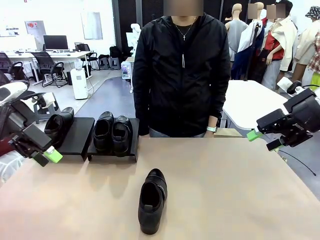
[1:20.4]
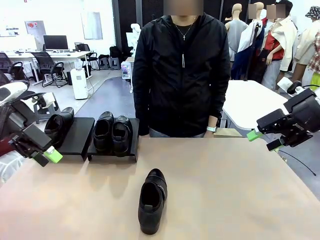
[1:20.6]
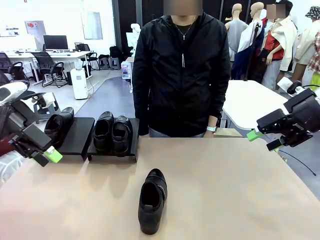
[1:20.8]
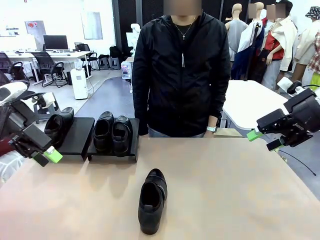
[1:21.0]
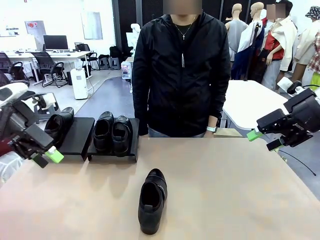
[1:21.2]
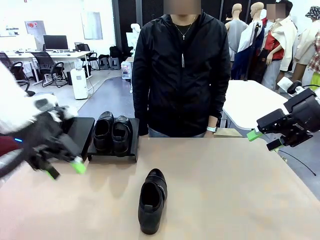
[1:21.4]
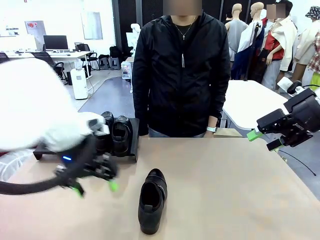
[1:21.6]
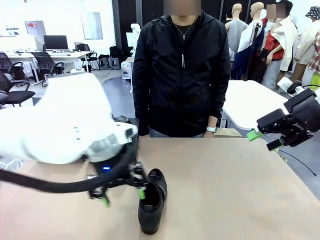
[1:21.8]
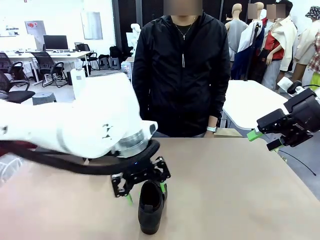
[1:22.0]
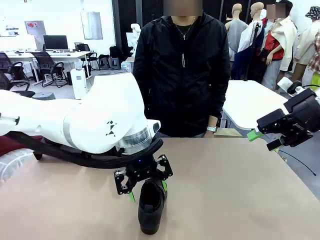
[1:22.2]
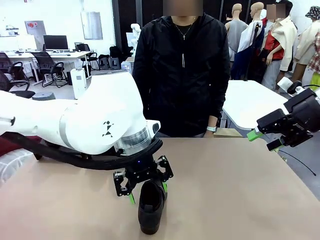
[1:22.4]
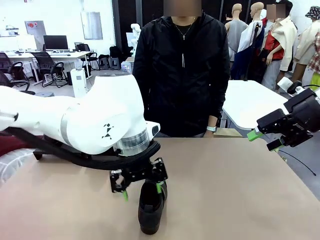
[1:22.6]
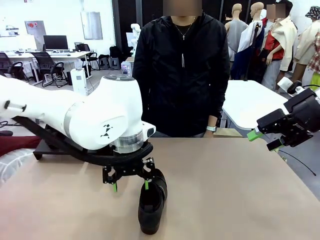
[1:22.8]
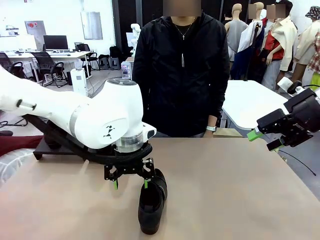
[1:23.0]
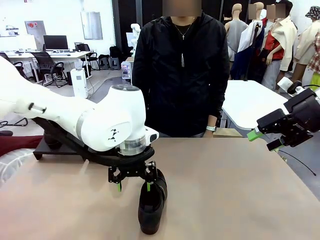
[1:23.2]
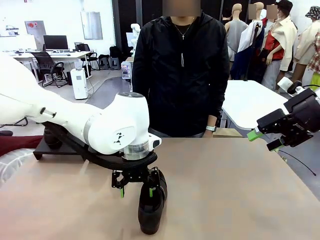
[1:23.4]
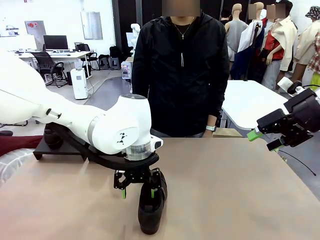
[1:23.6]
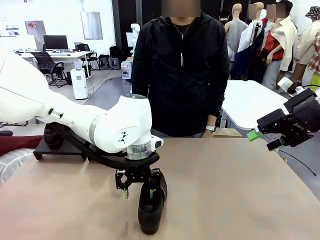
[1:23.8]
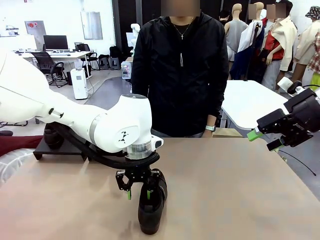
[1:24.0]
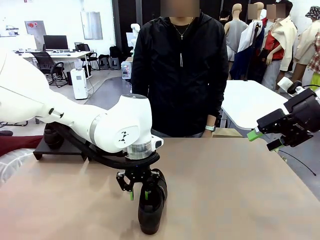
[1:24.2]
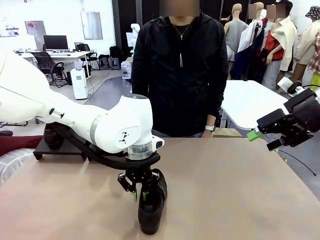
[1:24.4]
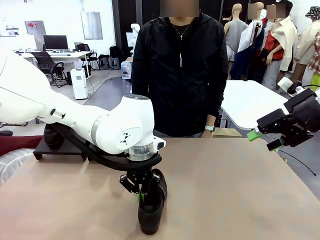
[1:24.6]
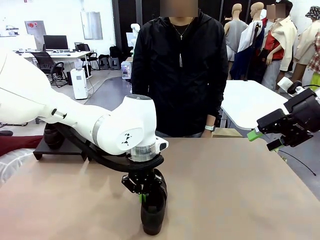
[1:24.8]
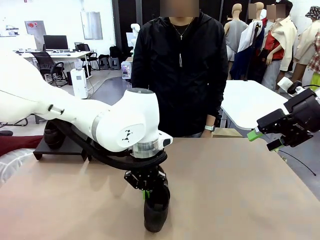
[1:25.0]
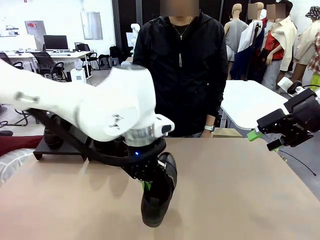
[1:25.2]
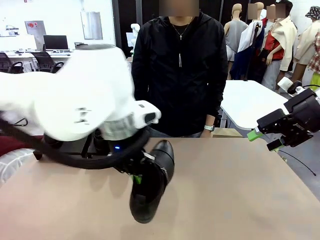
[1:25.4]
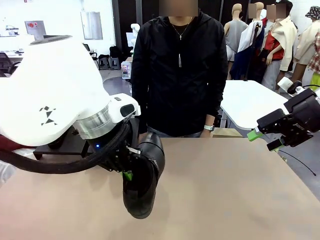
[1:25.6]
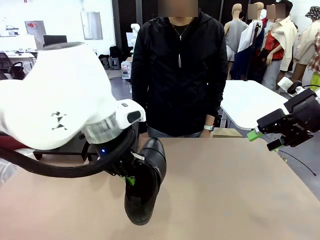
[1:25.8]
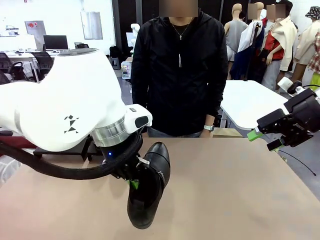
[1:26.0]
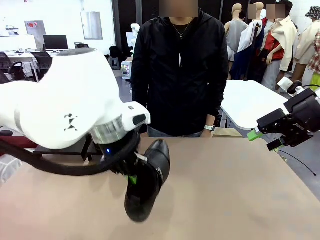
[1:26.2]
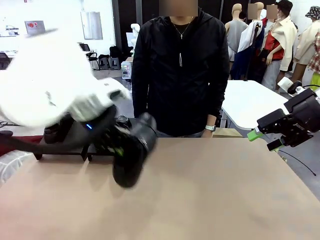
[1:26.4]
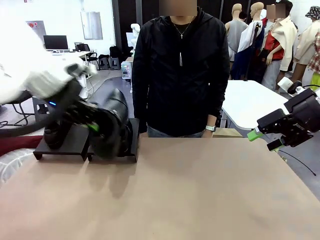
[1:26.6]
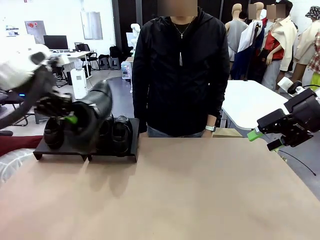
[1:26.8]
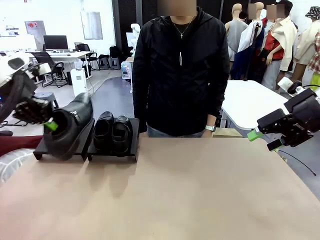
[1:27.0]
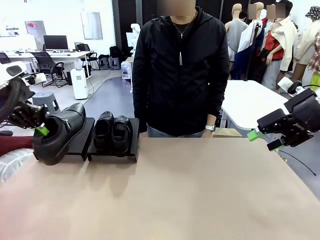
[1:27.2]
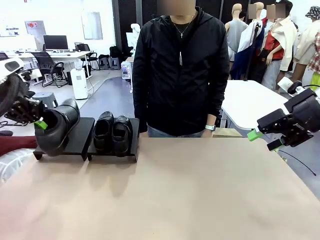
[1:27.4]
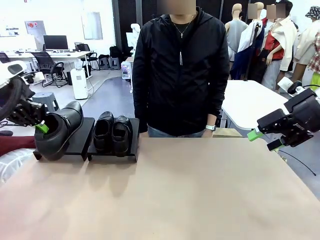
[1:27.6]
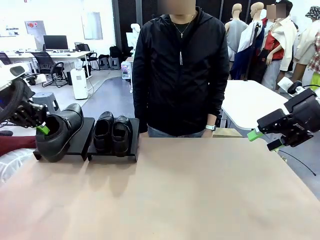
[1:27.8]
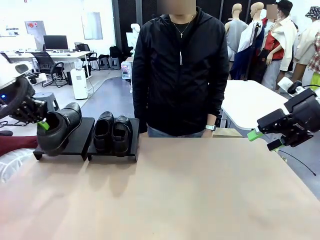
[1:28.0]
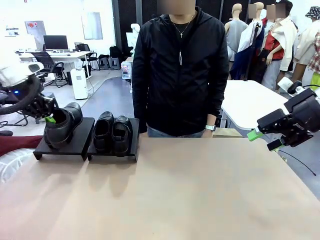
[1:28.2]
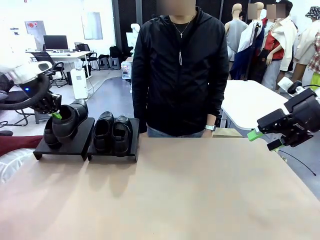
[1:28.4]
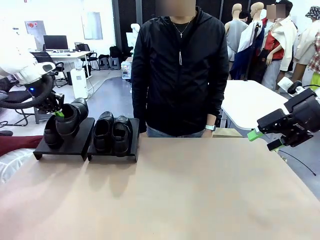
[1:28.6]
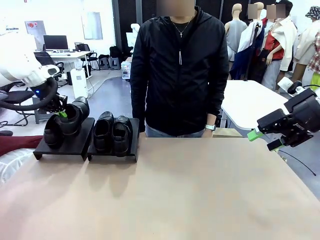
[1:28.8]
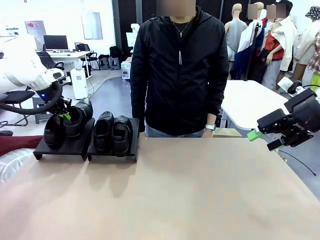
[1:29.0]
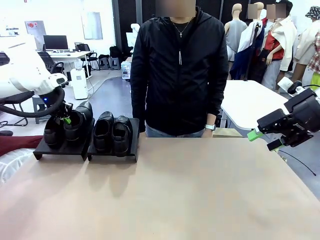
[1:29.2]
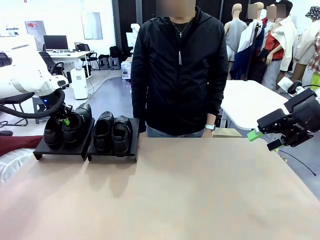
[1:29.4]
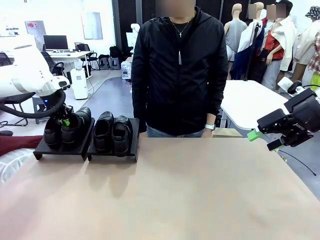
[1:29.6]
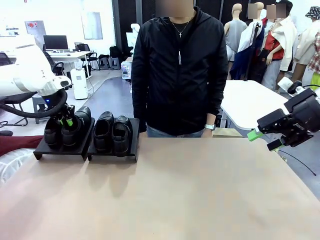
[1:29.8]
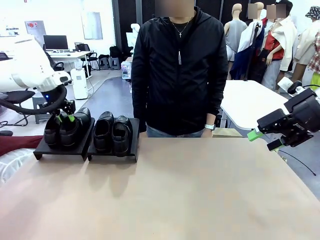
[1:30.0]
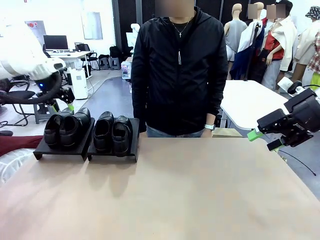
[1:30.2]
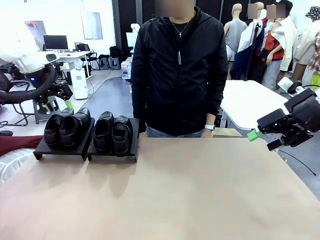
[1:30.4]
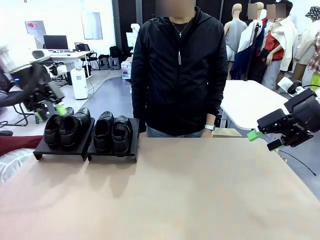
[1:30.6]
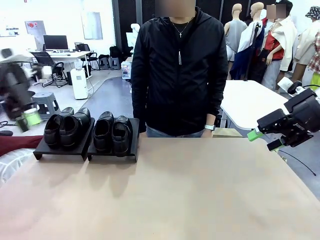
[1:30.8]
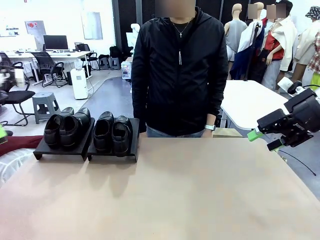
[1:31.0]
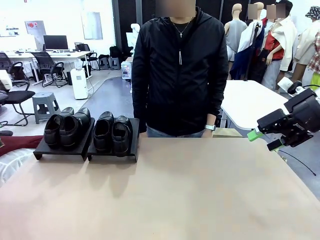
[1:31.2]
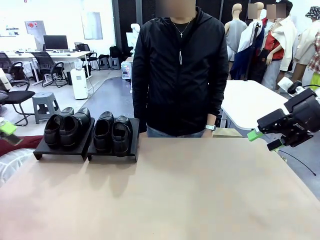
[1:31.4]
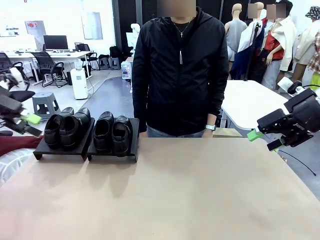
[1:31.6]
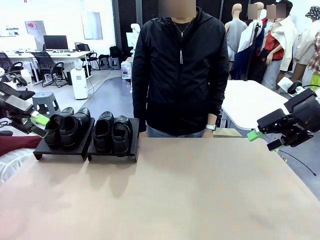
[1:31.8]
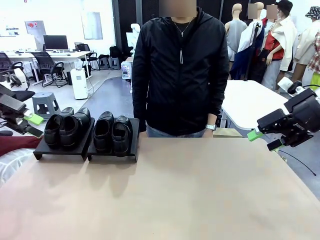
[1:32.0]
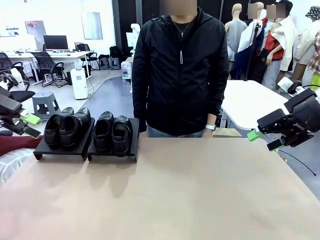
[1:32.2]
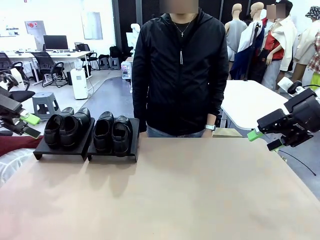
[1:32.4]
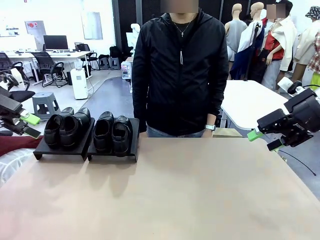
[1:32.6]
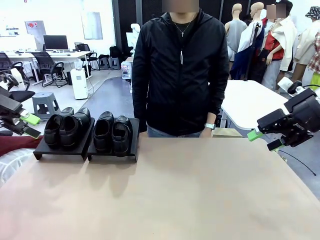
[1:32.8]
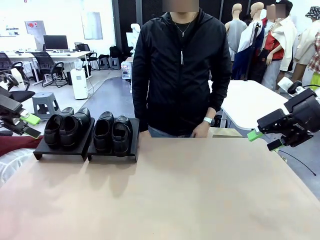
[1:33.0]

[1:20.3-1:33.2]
Task: Organize the shoes by placing them on the stand.
Robot: Place the Shoe from the middle of the table onto the Shoes Stand.

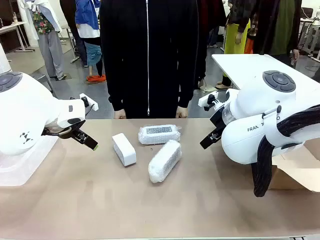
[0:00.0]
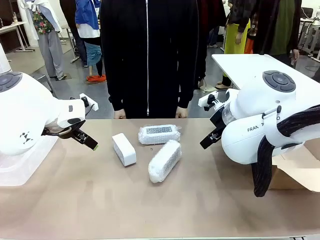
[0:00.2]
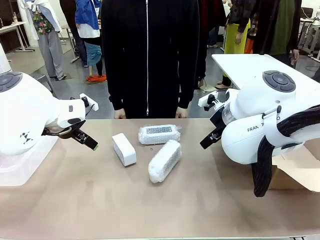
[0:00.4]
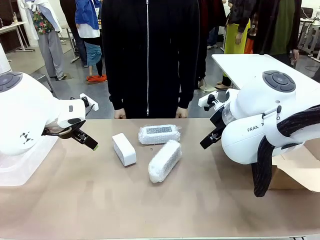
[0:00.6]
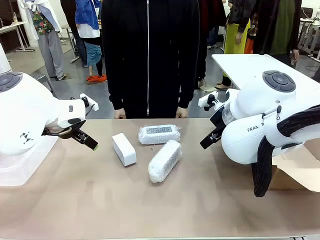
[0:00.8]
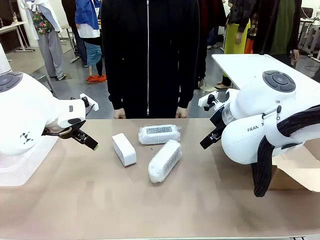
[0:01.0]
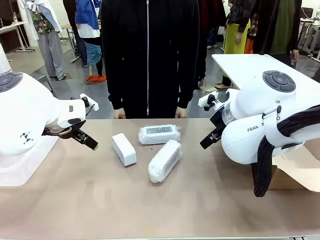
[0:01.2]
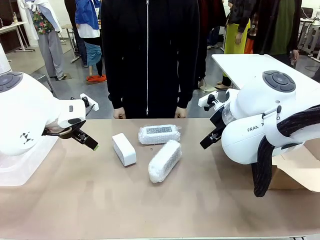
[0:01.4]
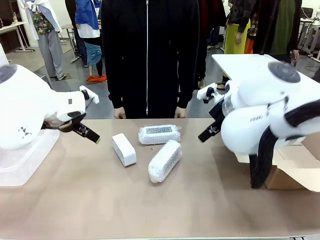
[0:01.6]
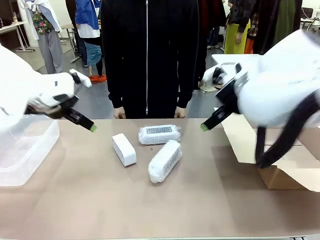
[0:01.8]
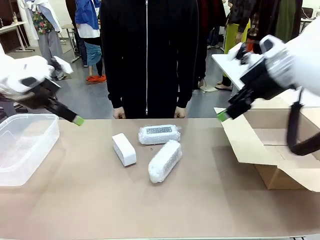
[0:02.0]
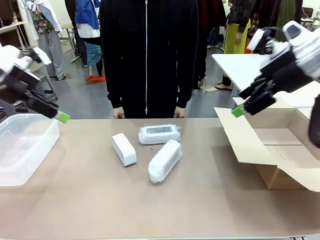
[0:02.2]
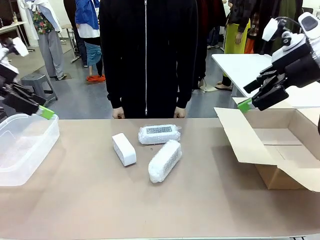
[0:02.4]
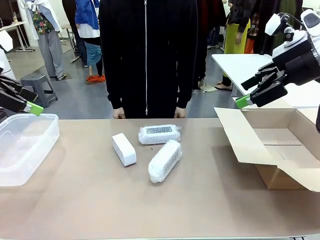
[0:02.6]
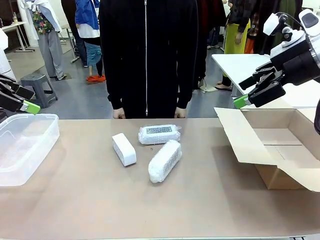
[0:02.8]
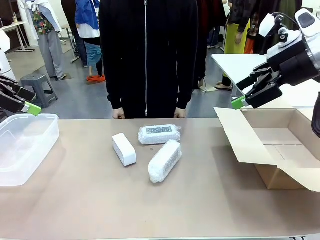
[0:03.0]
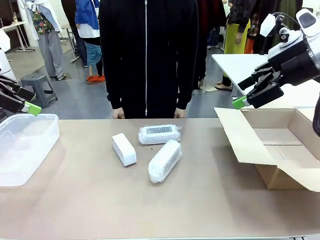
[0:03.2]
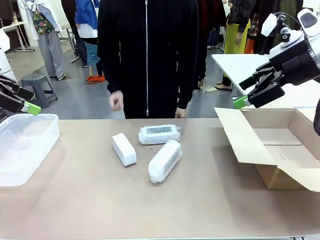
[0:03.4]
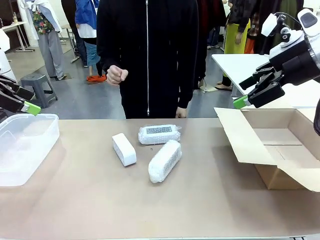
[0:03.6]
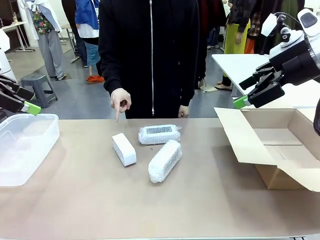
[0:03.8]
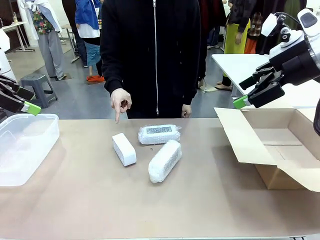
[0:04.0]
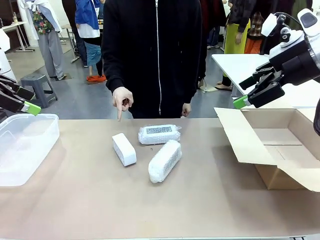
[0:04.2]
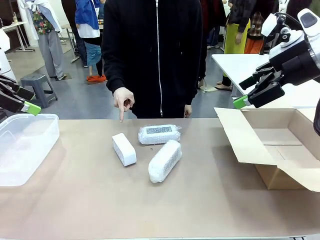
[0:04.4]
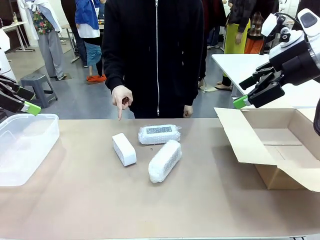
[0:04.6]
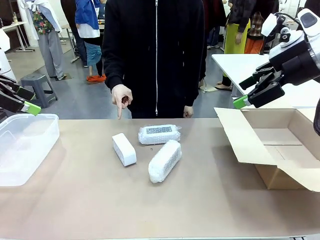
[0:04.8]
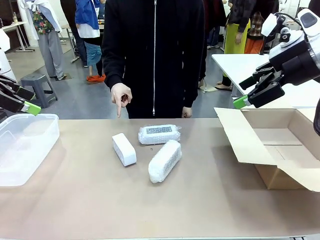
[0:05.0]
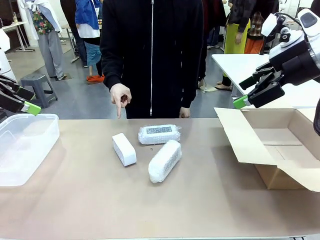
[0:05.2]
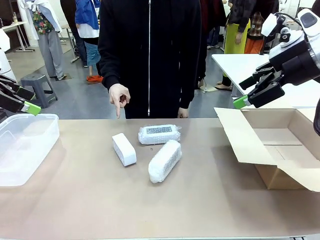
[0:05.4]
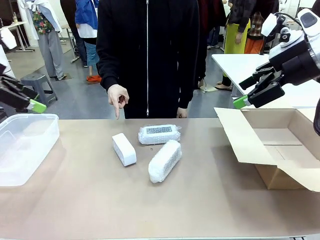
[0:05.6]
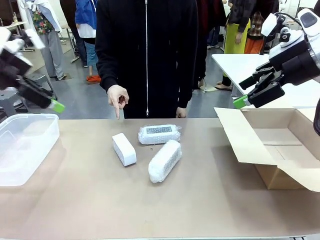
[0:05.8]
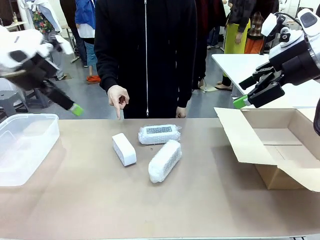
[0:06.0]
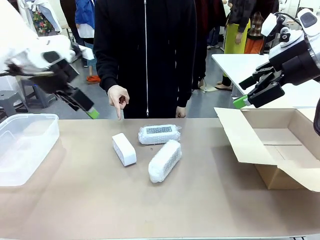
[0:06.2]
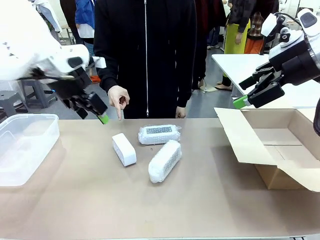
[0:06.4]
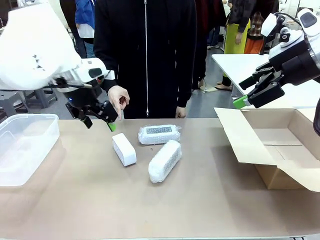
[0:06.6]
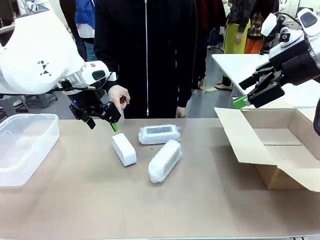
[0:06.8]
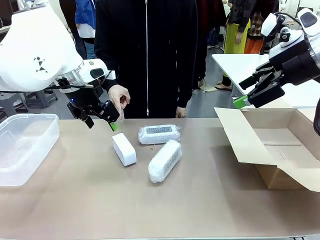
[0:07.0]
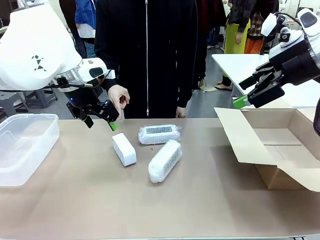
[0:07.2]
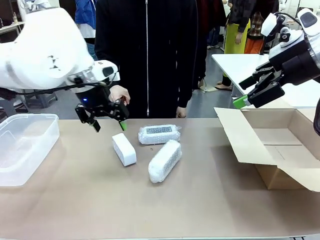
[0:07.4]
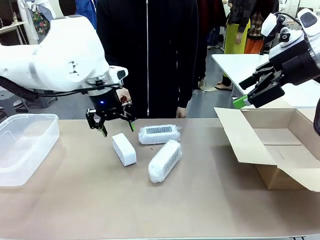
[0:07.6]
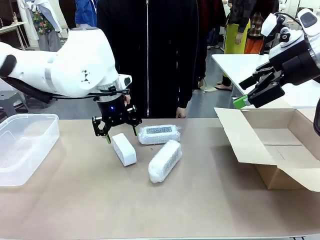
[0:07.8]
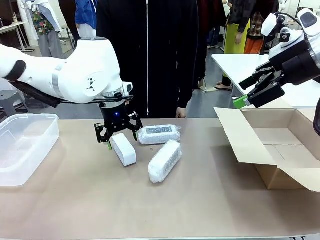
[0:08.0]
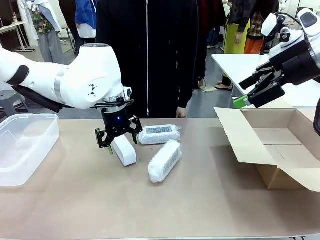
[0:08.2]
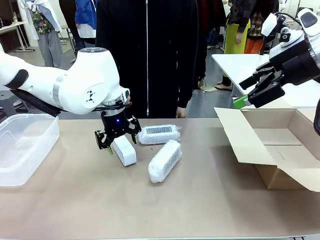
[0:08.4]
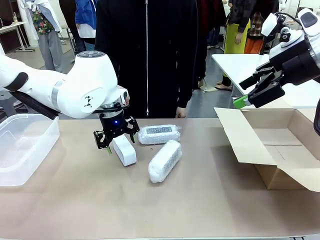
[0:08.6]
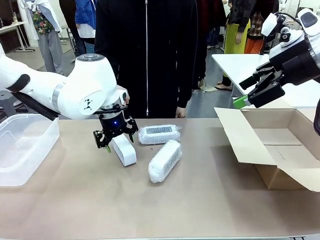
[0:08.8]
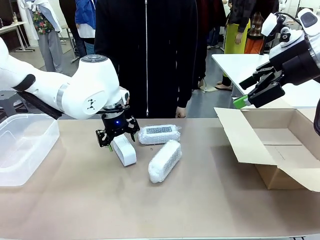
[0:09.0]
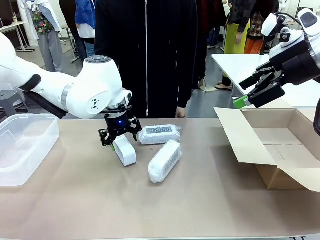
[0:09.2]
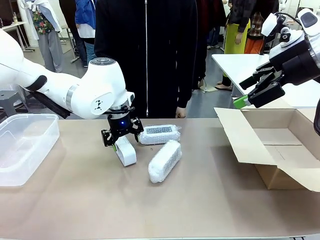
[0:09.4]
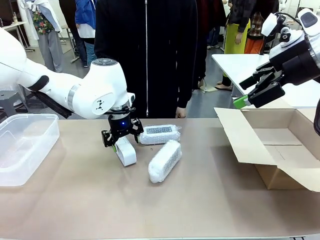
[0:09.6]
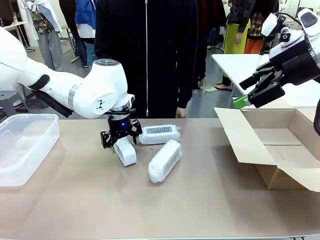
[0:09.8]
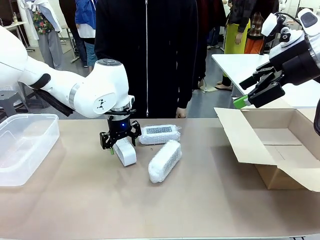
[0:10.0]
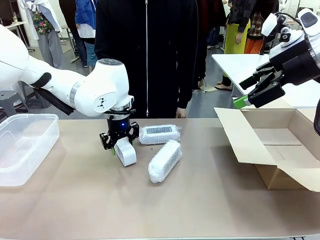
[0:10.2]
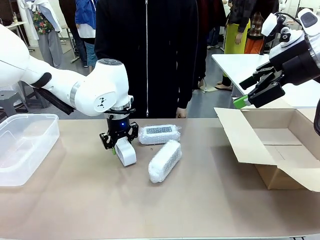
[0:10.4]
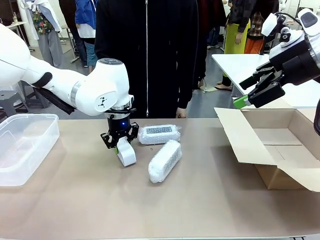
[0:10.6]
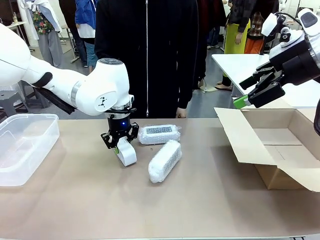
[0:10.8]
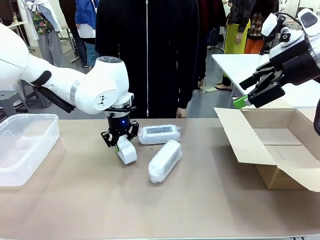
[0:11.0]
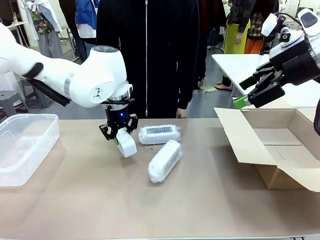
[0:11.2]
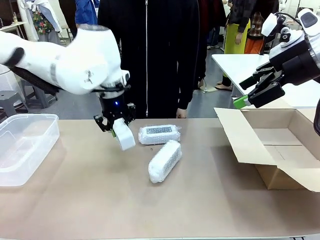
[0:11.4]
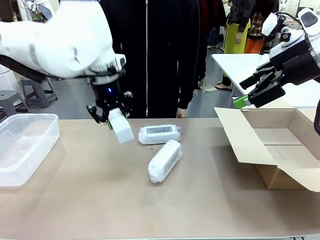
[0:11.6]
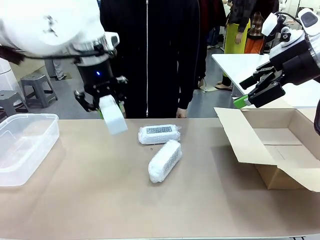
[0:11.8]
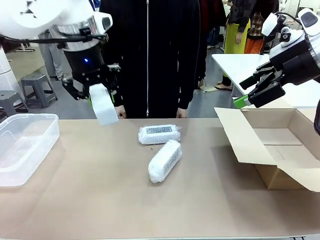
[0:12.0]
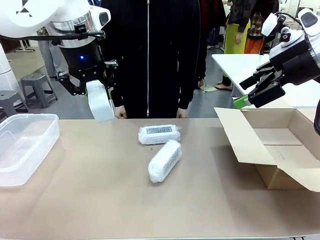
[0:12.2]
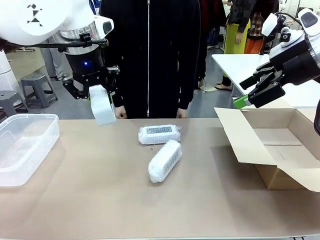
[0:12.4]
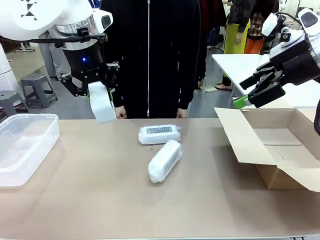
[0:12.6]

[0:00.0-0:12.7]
Task: Separate and place wrapped and unwrapped clocks.
Robot: Pick up the Digital clock indicated by the person.
